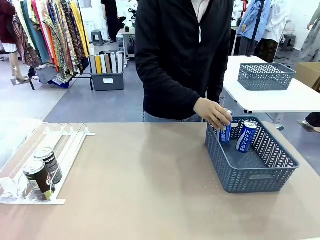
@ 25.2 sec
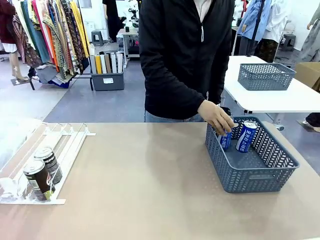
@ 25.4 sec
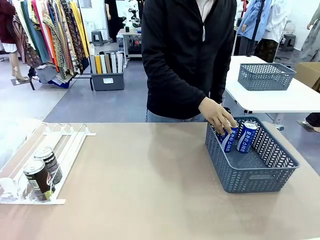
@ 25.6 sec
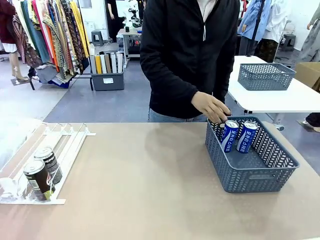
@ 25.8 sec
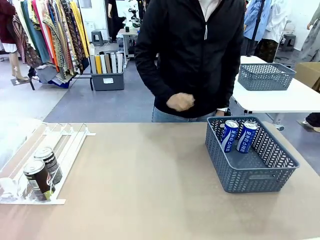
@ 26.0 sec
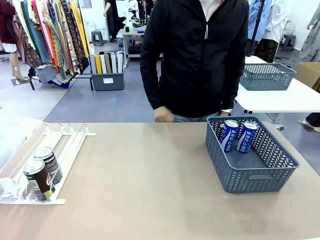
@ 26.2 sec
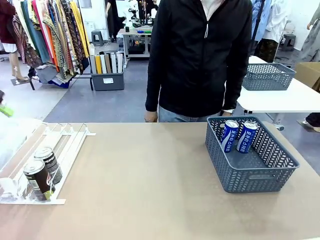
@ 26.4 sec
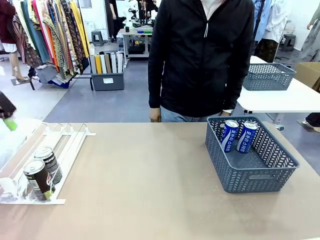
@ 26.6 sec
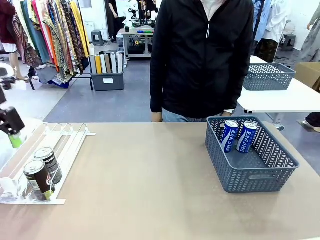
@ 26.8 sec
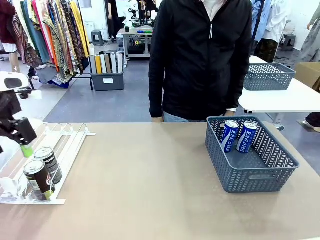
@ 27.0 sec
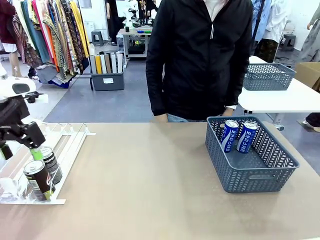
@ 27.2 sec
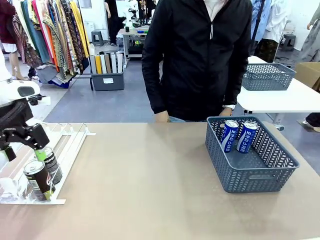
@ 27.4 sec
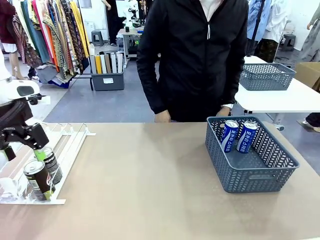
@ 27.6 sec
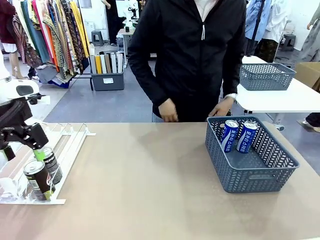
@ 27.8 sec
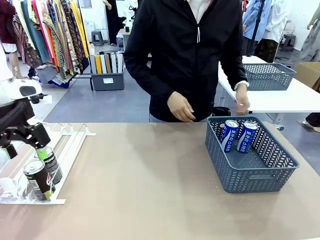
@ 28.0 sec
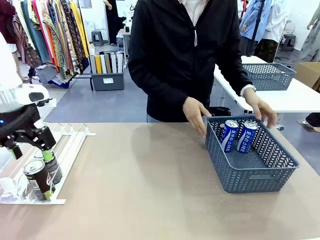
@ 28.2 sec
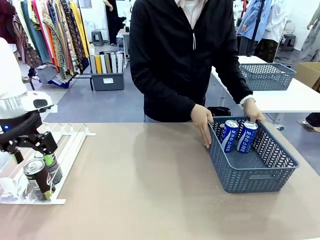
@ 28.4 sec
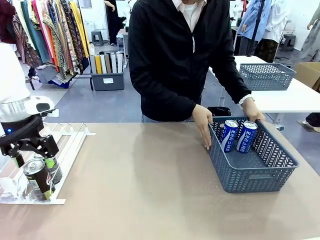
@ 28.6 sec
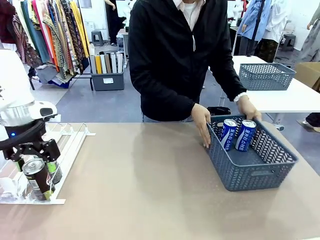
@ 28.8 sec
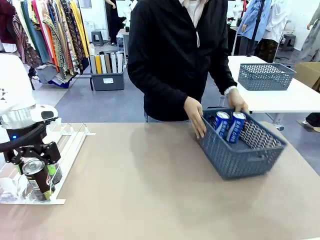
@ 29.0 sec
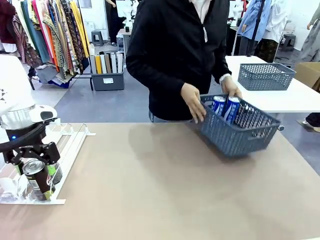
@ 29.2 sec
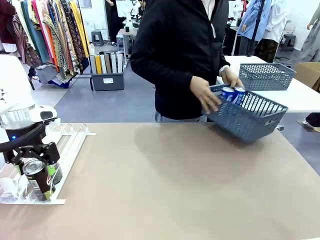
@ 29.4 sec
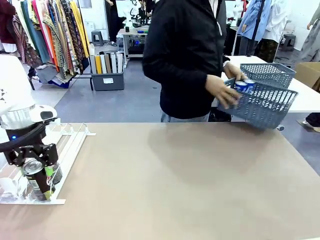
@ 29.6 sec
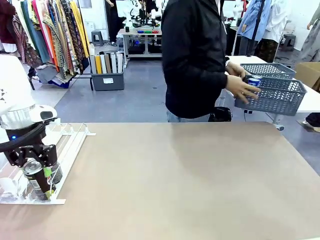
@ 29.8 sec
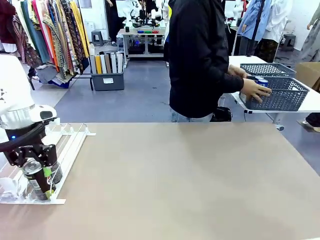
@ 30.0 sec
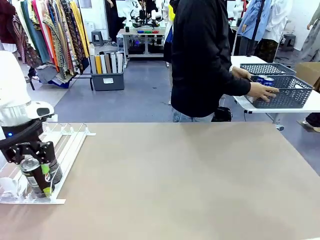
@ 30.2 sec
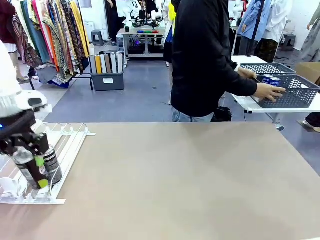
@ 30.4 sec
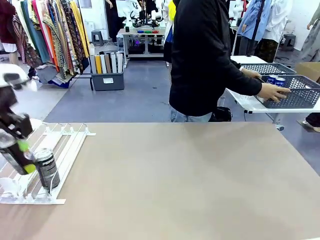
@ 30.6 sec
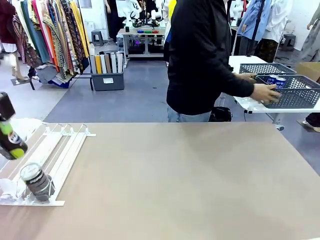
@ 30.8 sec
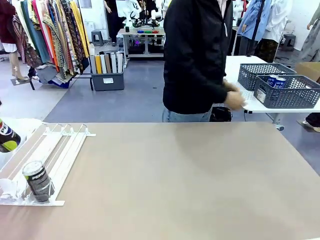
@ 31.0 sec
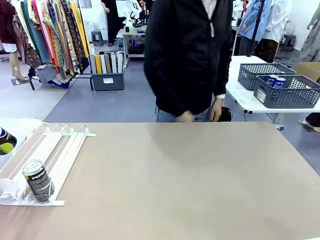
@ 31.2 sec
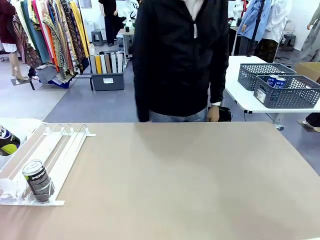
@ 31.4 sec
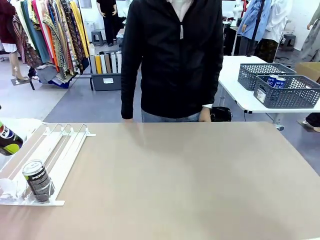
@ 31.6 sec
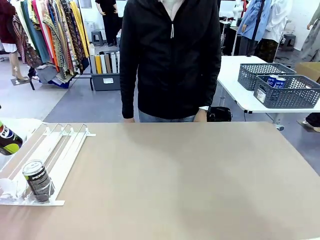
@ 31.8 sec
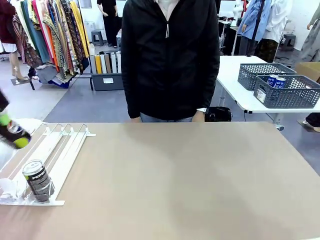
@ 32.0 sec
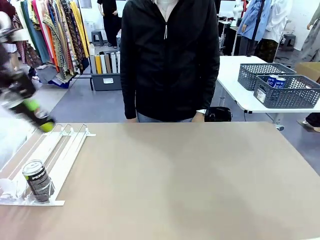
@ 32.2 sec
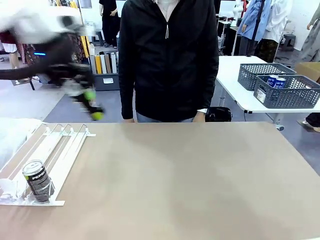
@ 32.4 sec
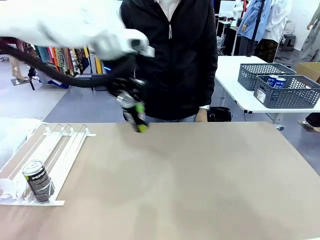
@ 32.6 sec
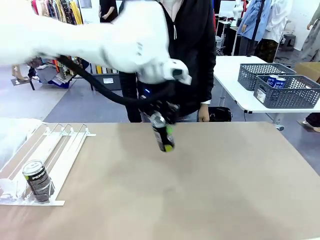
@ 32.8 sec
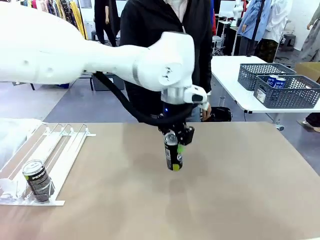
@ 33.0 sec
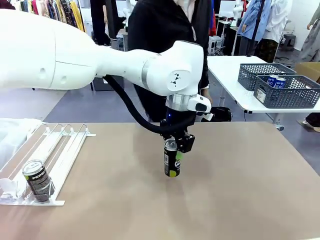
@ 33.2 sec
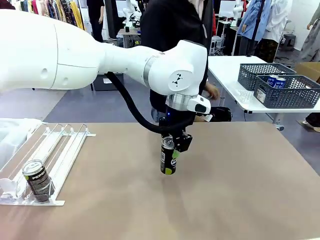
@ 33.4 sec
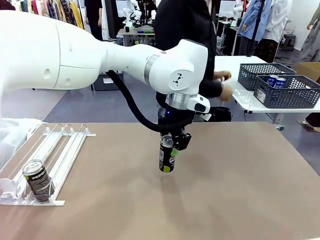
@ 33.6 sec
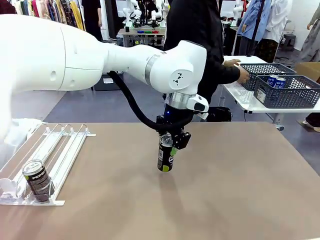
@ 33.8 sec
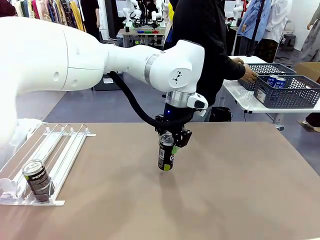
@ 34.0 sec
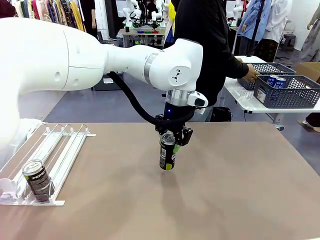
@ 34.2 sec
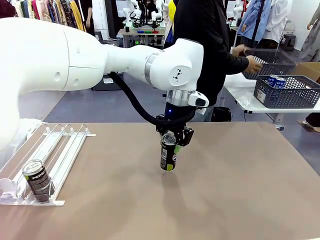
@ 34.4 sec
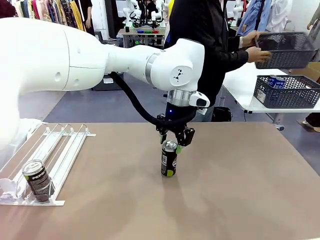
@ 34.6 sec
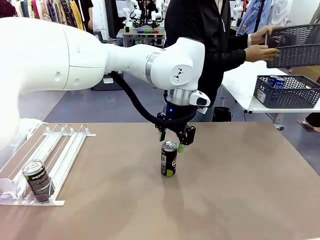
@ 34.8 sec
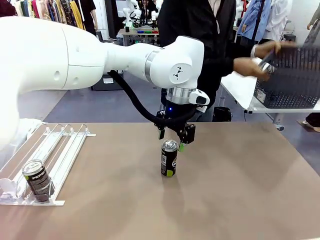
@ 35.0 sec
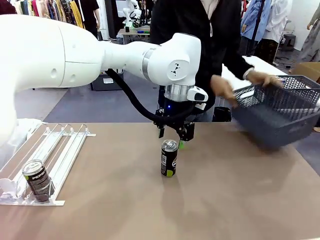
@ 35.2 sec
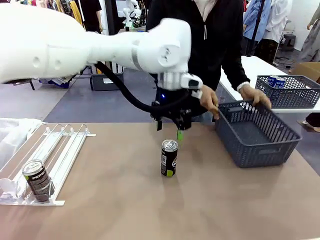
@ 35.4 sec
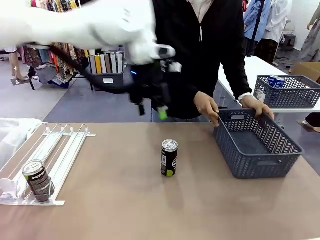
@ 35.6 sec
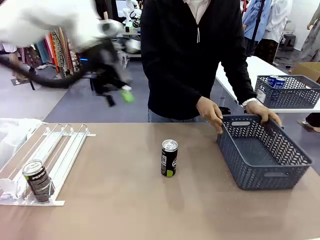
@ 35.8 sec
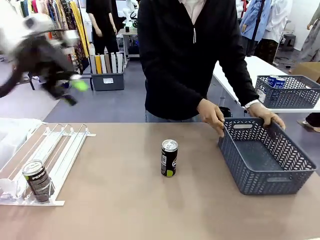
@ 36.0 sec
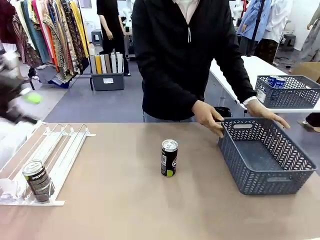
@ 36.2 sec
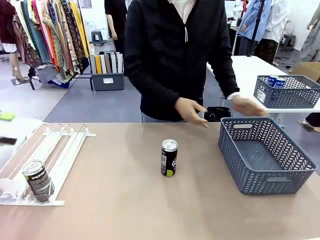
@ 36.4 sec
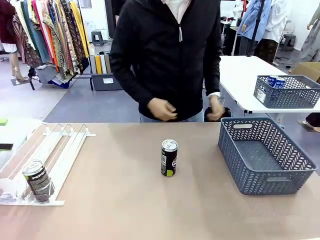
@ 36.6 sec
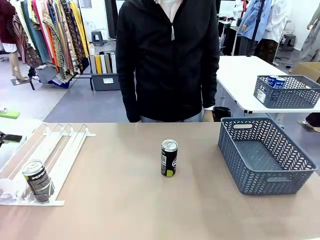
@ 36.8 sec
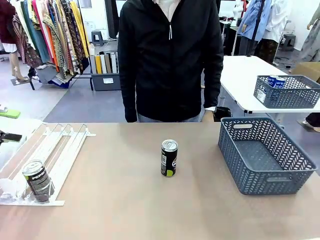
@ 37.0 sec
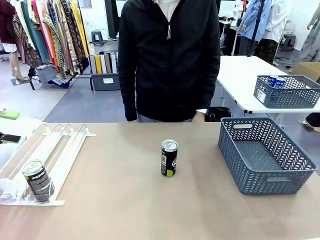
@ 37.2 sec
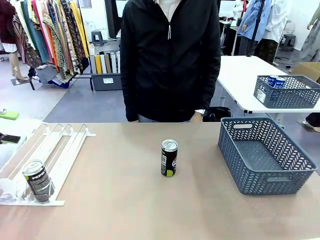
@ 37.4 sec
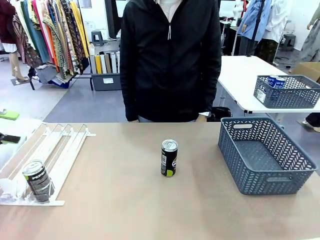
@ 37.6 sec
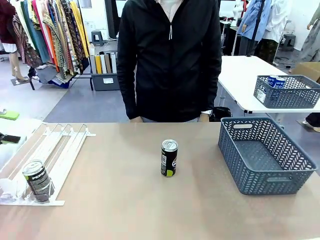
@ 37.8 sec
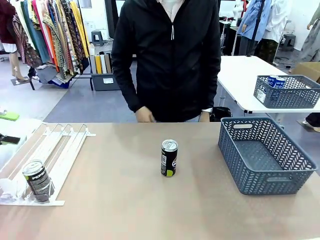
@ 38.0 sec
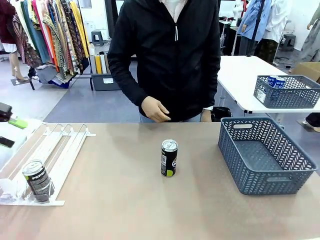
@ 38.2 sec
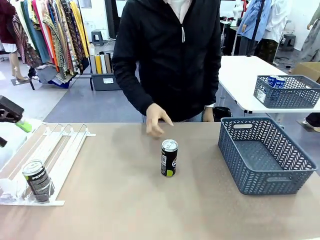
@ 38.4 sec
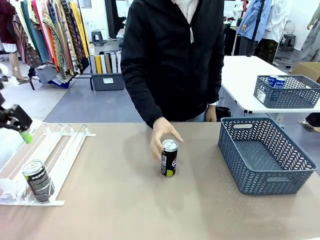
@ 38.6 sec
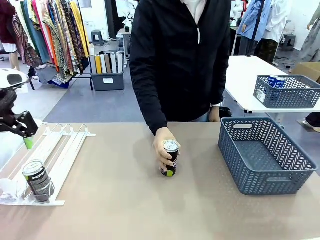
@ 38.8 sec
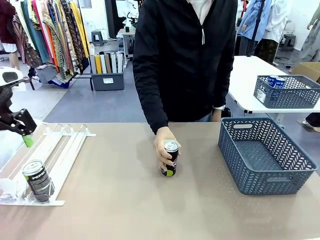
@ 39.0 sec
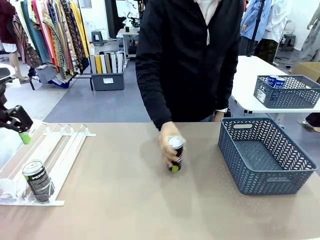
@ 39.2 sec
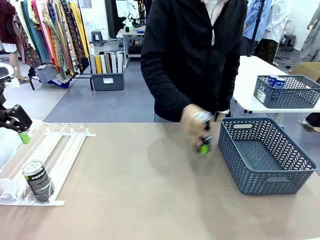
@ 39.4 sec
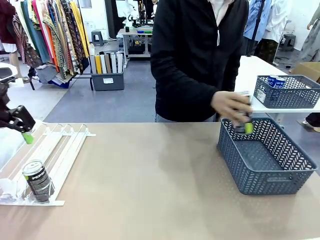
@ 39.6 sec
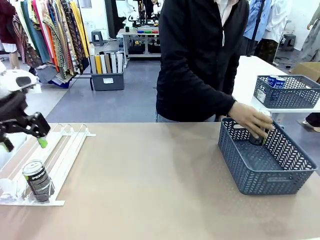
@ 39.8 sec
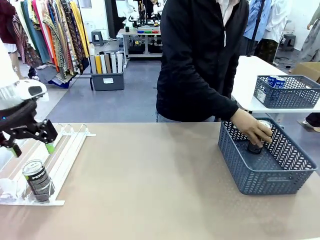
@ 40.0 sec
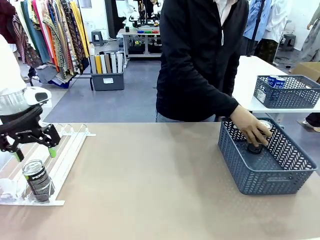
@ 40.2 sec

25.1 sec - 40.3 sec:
Task: Retrieve and store the cans from the dispenser.
Robot: Pick up one can from the Automatic Can Dispenser and place it in the middle of the table.
Person: Pick up the basket and place it in the middle of the human table. Pick up the empty basket and place it on the left side of the robot table.
